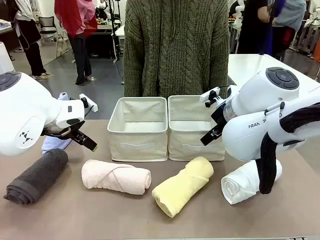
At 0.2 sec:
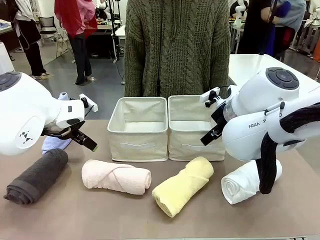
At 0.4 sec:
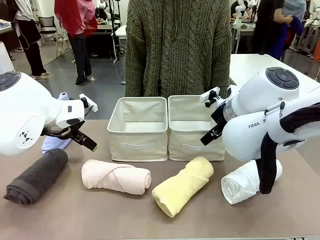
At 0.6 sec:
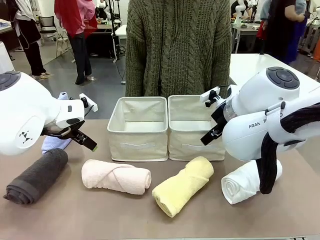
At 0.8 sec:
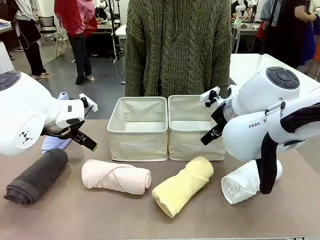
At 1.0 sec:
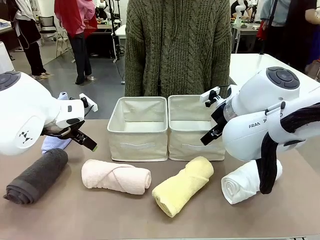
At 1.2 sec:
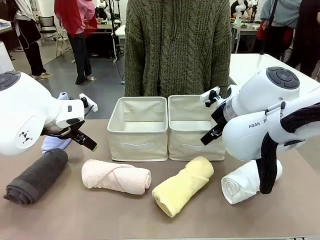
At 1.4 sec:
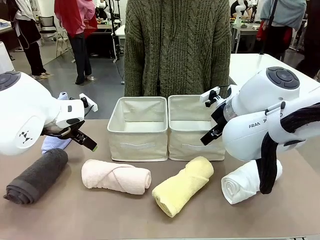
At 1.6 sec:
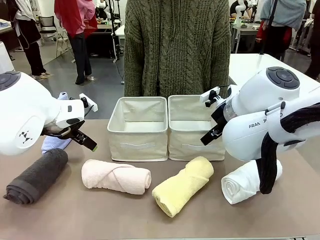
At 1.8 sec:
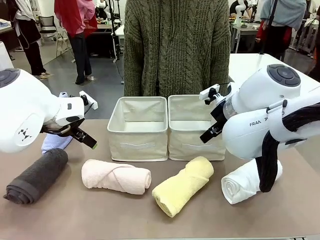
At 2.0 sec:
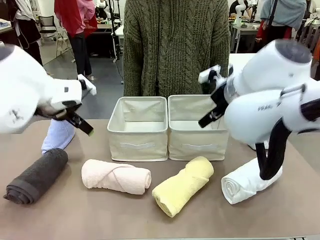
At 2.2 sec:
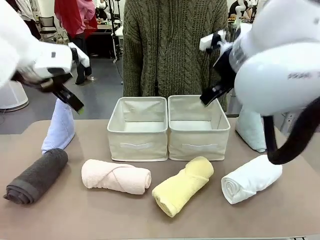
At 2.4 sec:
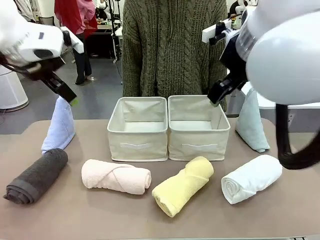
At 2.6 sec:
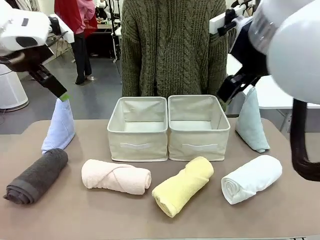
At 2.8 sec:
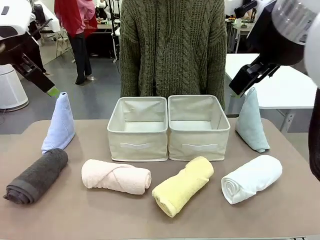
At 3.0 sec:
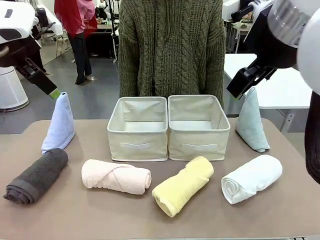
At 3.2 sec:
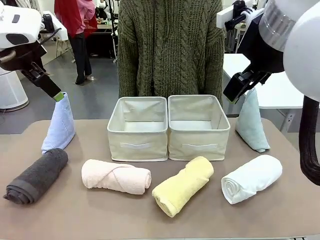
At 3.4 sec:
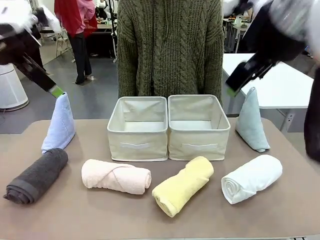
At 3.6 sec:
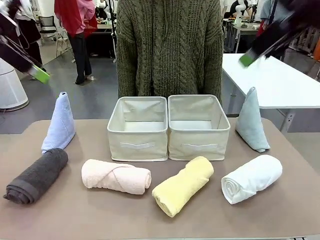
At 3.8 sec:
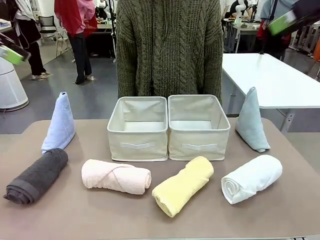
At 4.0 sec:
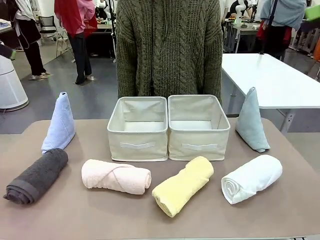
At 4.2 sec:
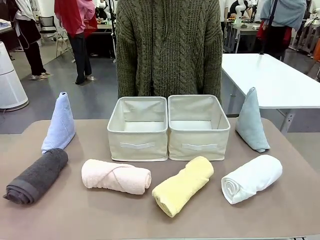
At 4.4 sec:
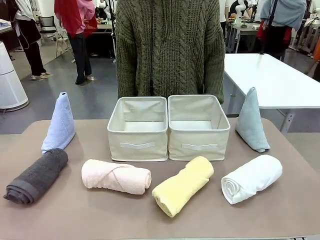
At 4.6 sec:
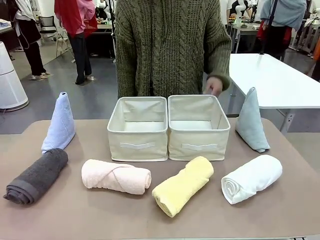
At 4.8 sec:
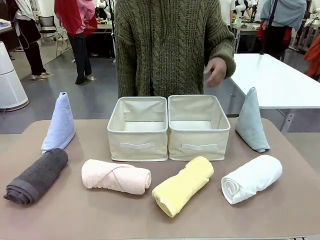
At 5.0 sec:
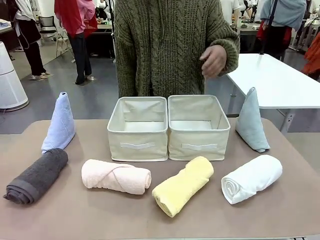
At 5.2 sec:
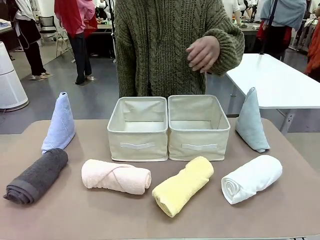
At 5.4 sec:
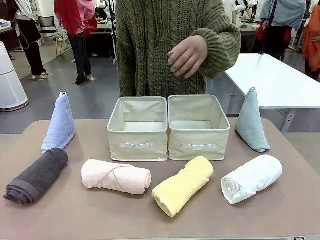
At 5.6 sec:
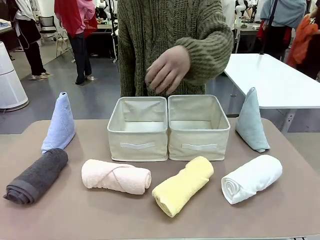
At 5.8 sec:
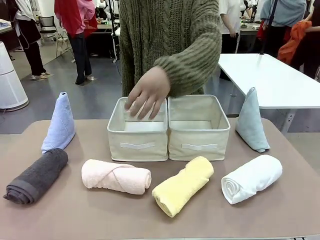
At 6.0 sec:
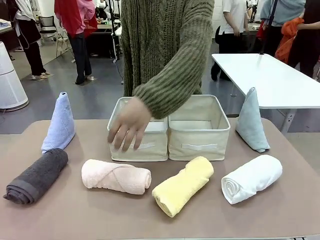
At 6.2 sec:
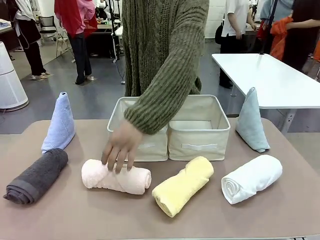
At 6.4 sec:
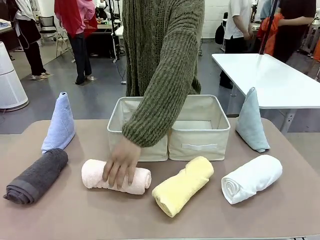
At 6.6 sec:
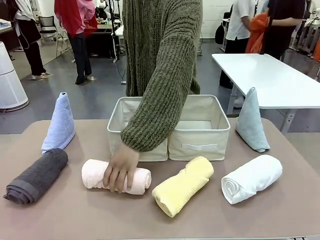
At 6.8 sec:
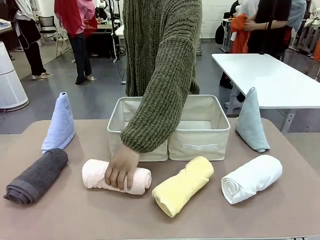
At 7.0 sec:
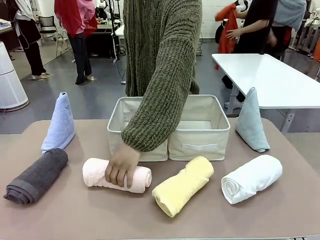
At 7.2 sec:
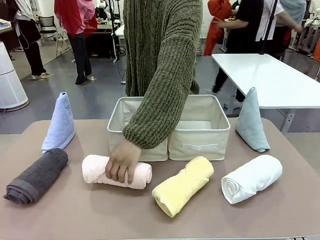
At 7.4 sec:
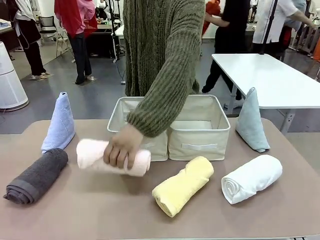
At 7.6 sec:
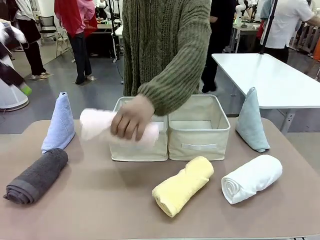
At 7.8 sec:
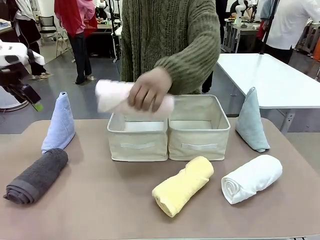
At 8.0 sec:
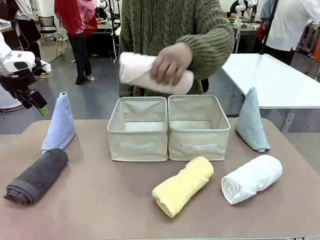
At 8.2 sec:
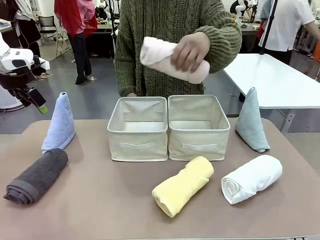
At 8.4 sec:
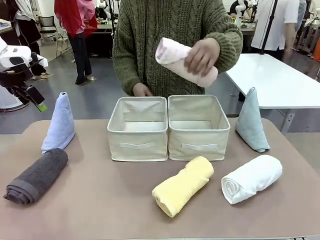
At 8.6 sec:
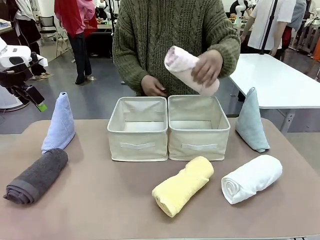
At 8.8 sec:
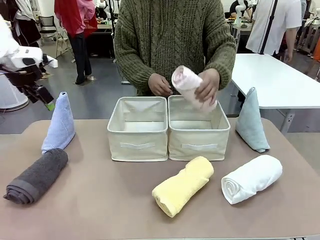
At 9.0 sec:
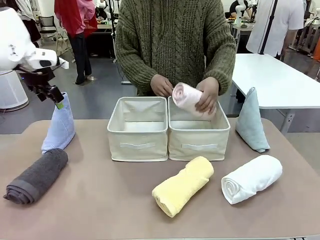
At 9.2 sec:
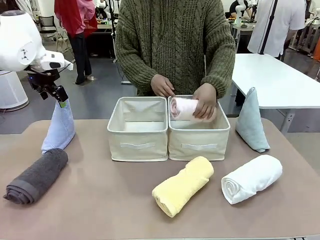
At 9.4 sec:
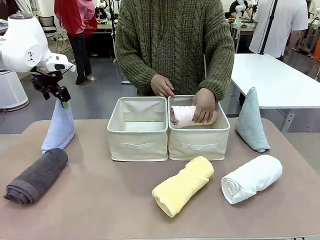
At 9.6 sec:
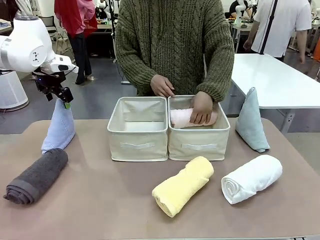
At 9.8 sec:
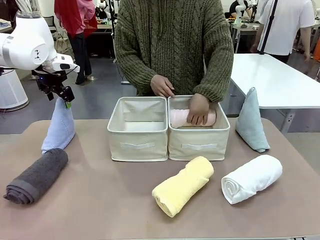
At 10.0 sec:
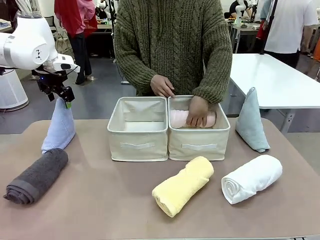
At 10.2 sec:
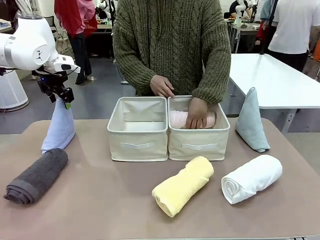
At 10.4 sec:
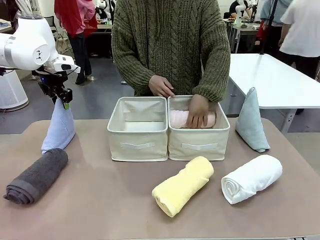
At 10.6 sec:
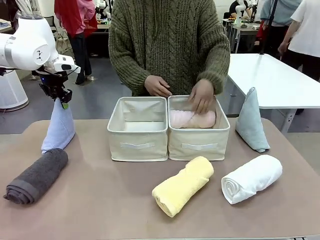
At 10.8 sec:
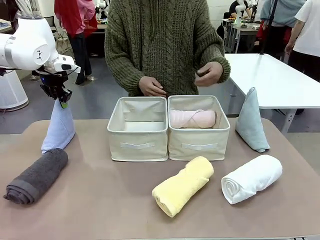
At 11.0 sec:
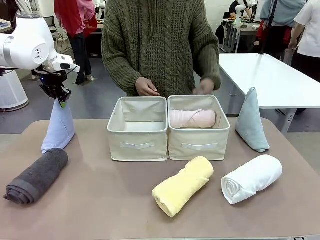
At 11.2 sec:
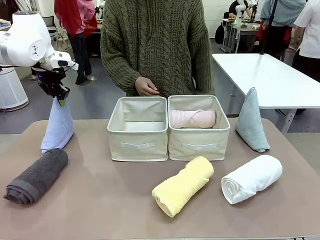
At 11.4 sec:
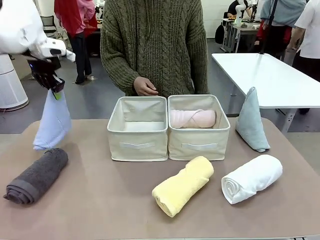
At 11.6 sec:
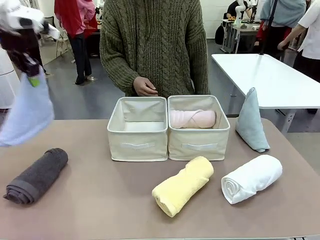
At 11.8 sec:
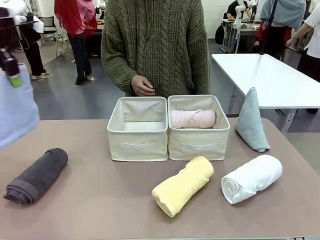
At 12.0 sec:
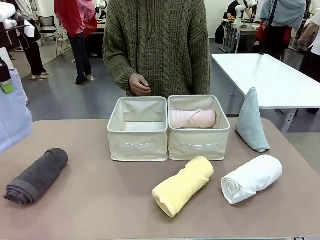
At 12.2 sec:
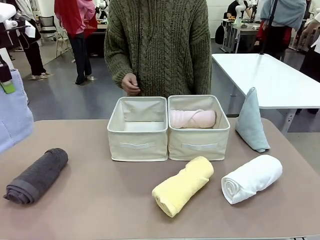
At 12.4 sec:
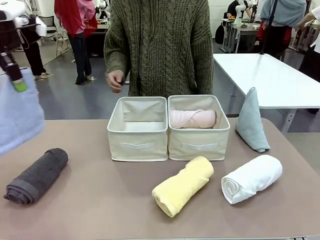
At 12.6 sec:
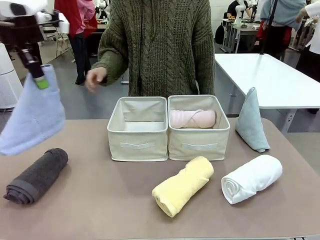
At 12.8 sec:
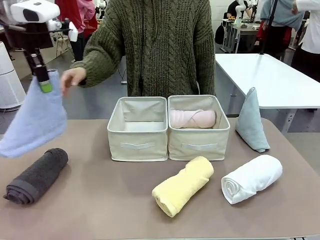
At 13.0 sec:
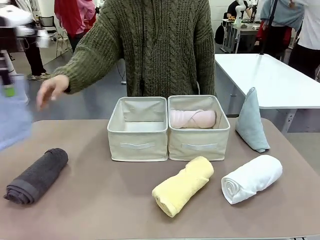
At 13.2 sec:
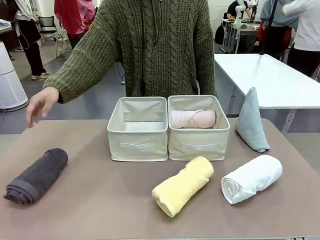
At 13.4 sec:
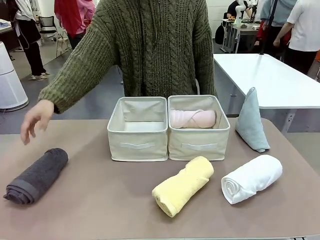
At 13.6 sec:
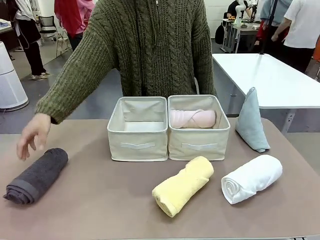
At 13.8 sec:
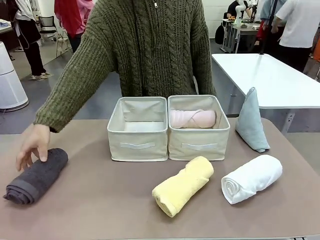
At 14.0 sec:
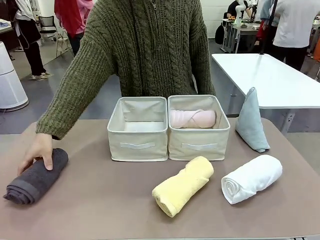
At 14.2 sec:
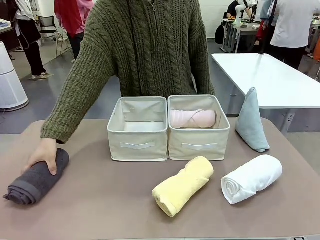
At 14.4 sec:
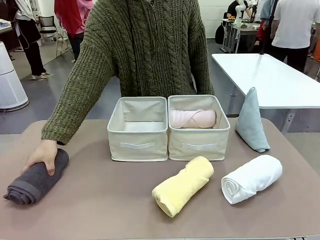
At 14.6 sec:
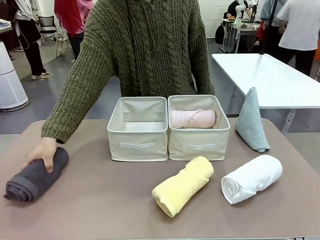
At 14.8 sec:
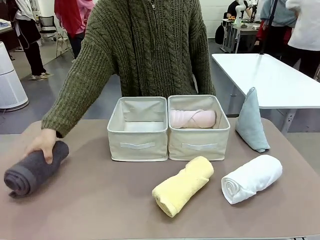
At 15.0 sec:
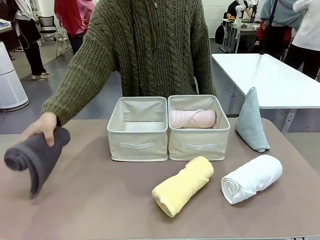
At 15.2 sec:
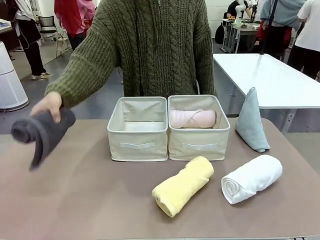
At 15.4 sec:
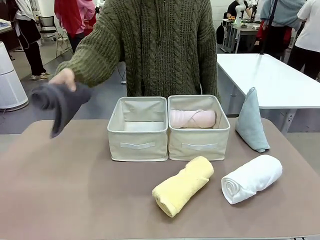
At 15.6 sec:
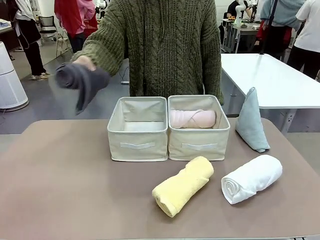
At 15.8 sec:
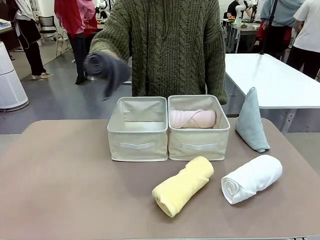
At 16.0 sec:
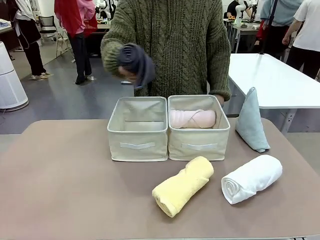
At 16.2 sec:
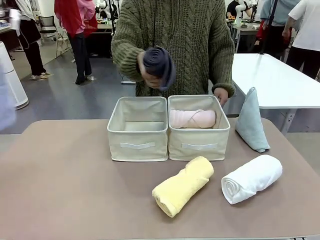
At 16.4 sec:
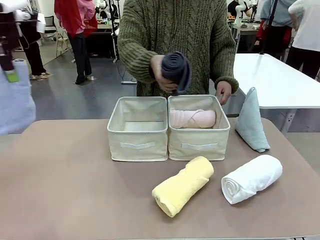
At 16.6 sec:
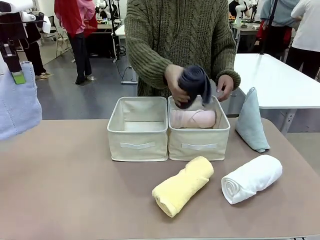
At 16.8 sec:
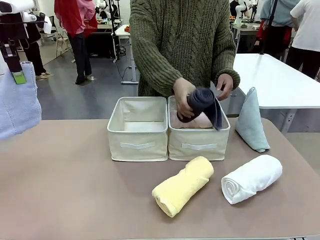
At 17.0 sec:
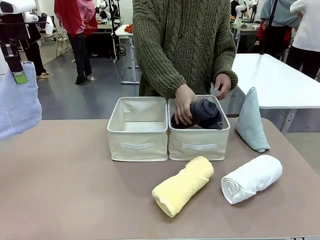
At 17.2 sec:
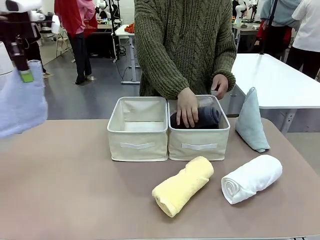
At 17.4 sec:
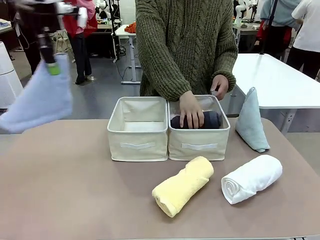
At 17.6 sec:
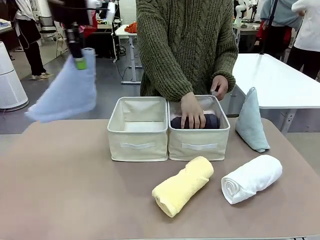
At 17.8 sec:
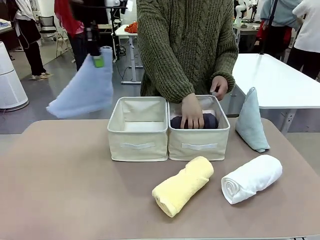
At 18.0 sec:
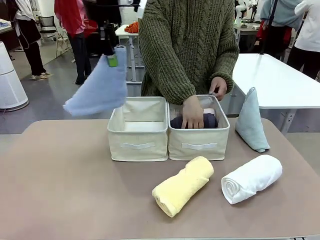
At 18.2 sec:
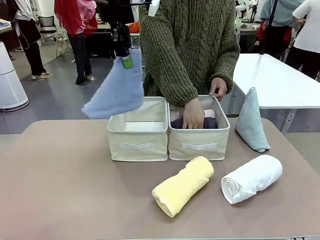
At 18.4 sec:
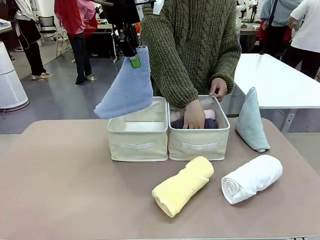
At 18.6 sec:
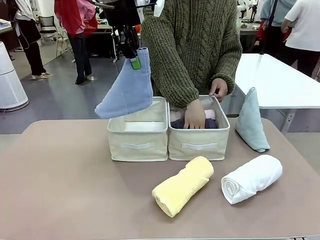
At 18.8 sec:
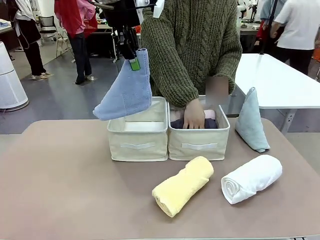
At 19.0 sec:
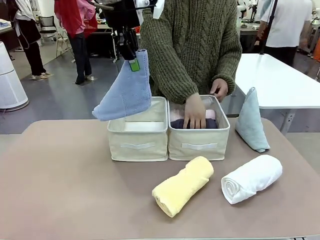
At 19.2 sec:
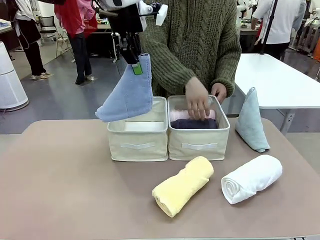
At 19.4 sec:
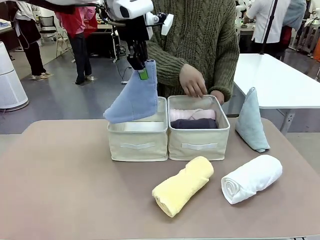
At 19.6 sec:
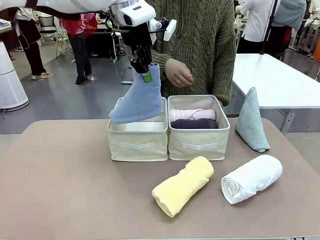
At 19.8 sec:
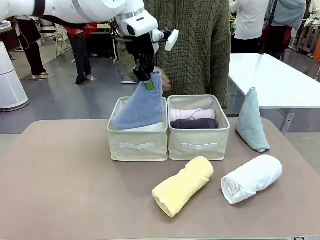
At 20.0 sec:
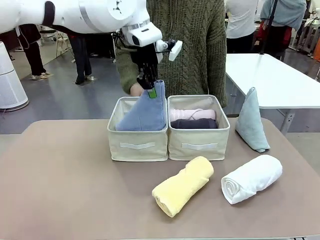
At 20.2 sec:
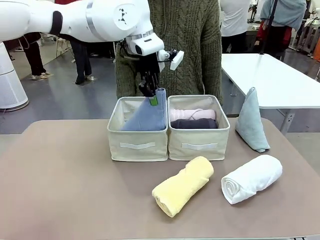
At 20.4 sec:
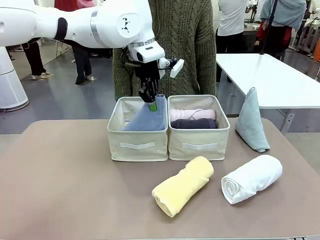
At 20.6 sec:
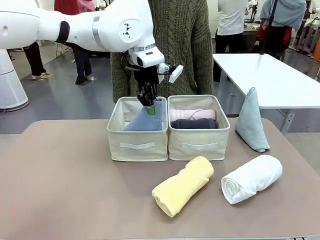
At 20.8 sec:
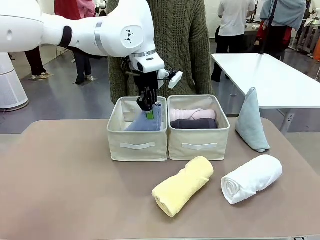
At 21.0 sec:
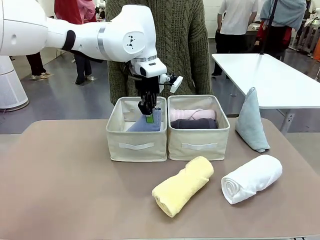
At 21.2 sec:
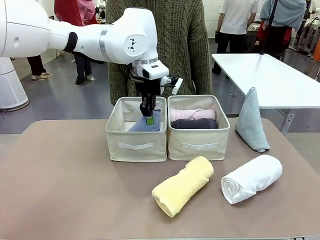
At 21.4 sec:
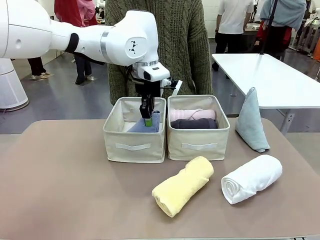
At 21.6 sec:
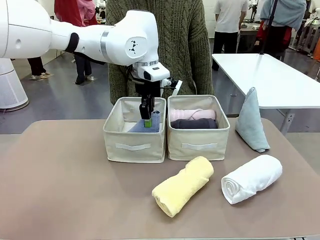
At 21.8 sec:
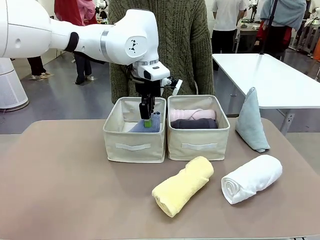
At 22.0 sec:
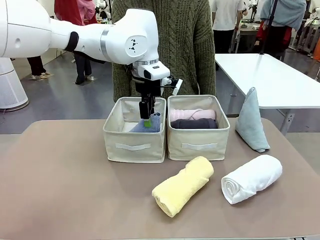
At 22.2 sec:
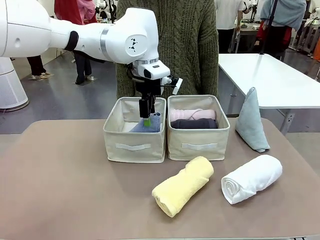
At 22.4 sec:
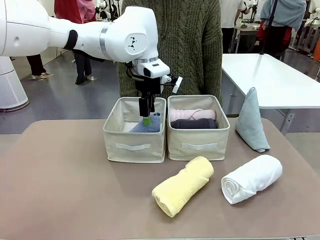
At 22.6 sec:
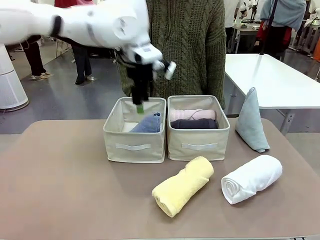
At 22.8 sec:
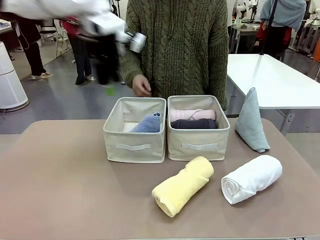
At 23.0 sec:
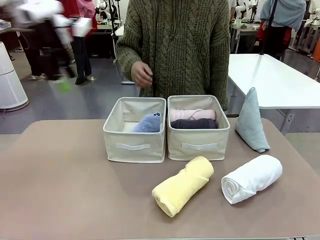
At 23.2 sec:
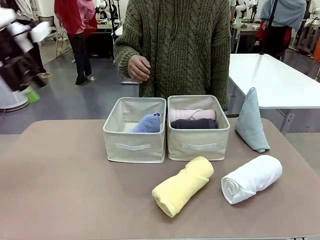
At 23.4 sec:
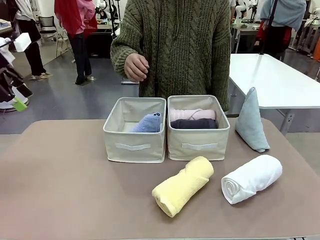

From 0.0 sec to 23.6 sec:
Task: Sort the towels based on their folding style.
Robot: Pick up one triangle-folded towel and place it in the left Fabric basket.
Person: Pick up one hotel-style rolled towel and place it in the left fabric basket.
